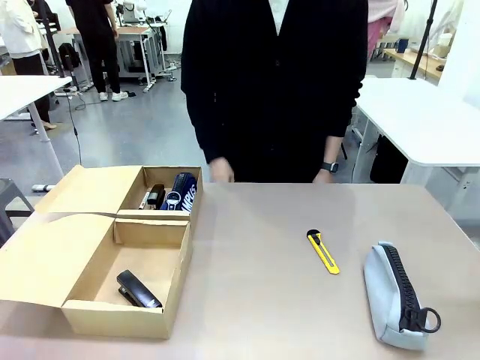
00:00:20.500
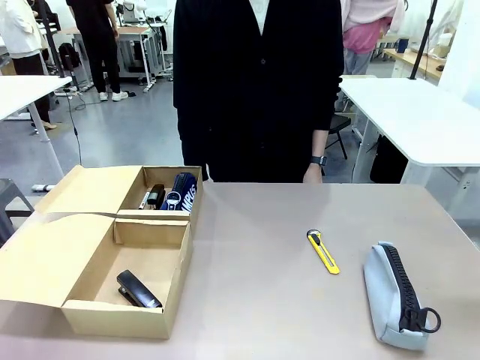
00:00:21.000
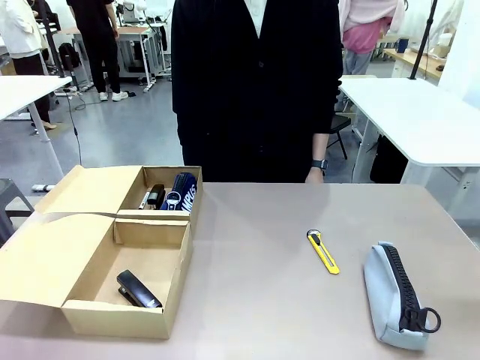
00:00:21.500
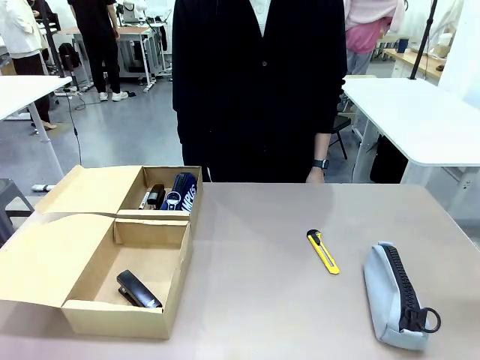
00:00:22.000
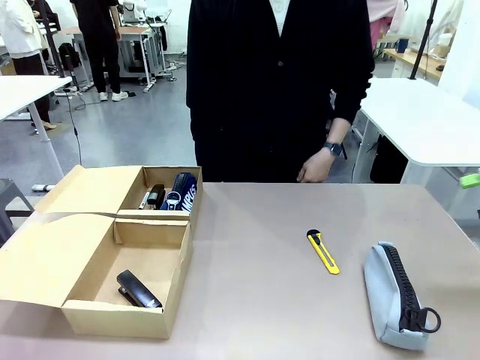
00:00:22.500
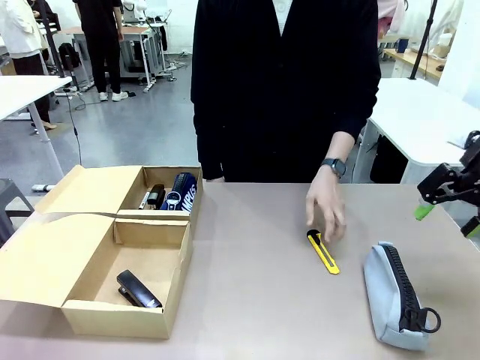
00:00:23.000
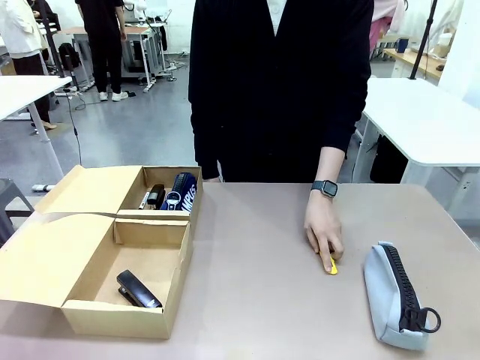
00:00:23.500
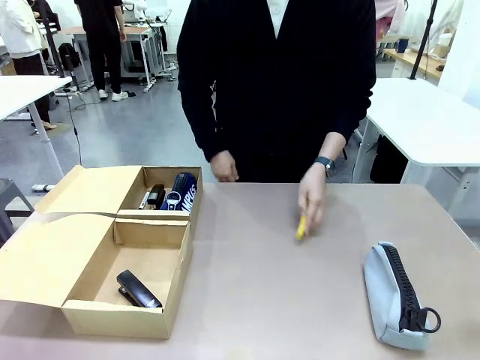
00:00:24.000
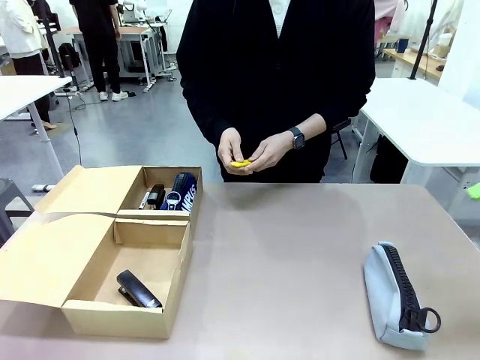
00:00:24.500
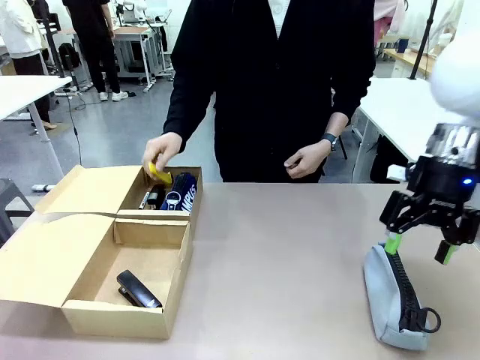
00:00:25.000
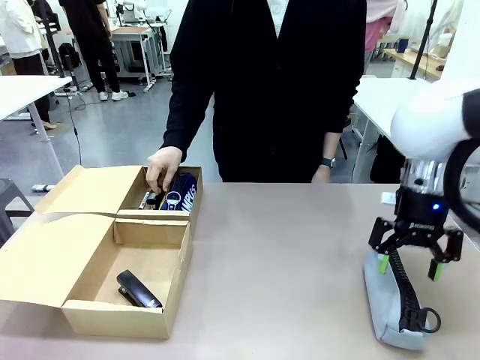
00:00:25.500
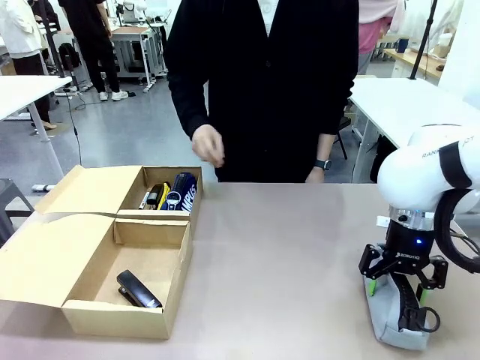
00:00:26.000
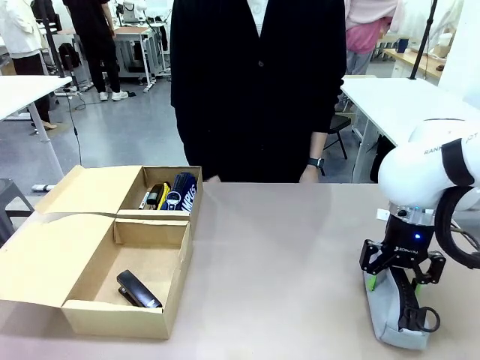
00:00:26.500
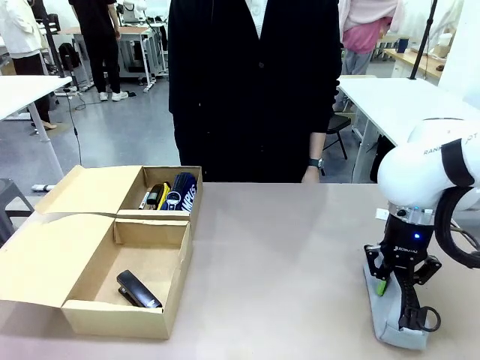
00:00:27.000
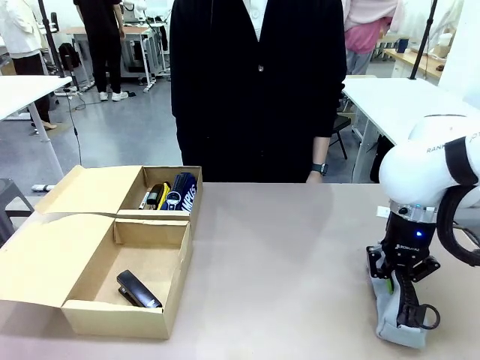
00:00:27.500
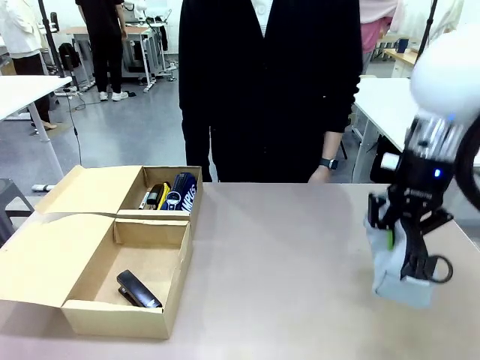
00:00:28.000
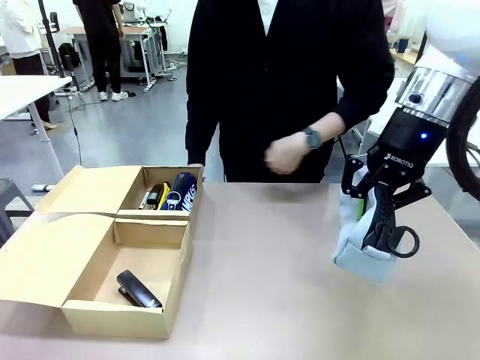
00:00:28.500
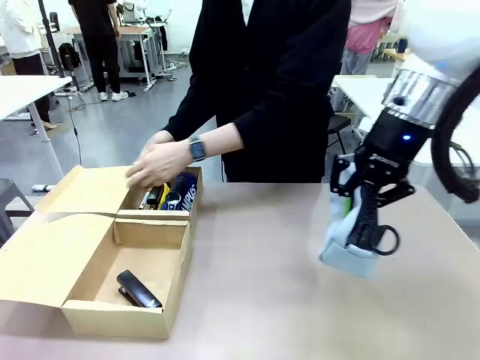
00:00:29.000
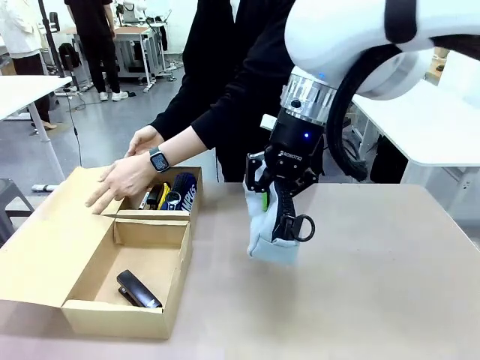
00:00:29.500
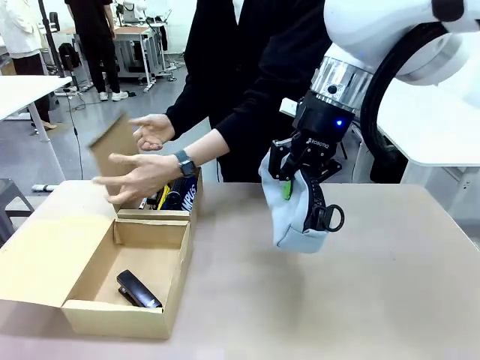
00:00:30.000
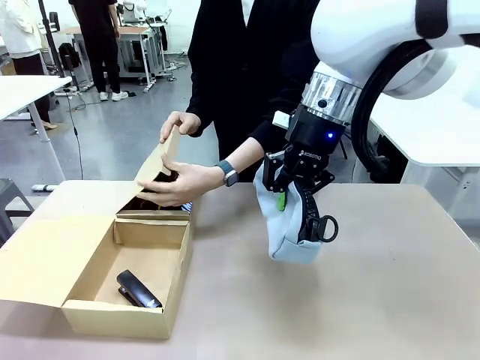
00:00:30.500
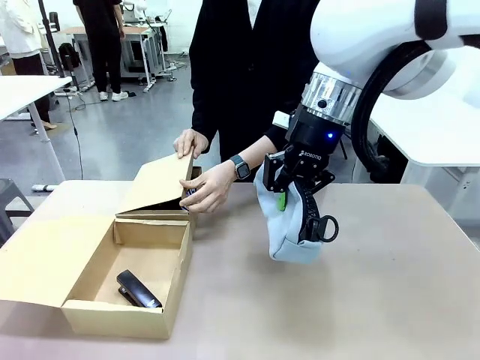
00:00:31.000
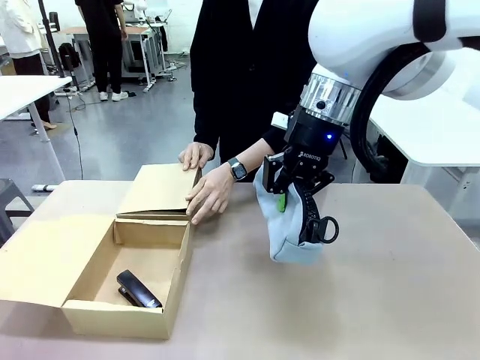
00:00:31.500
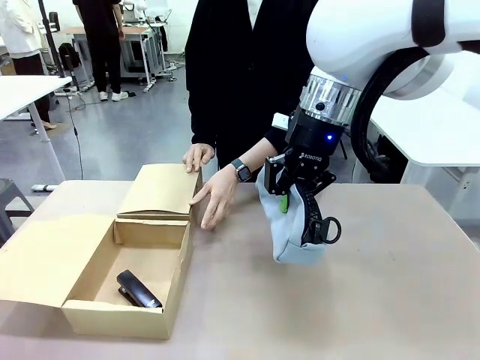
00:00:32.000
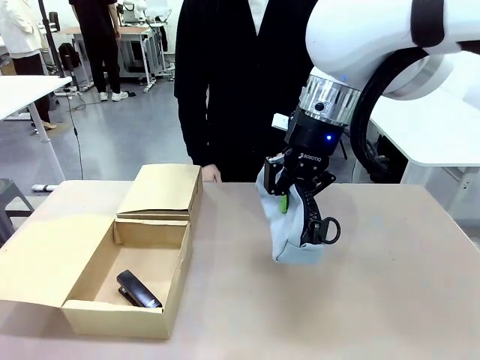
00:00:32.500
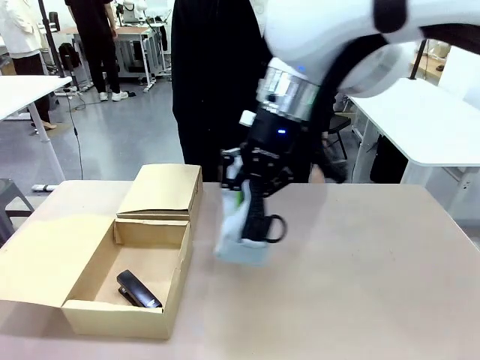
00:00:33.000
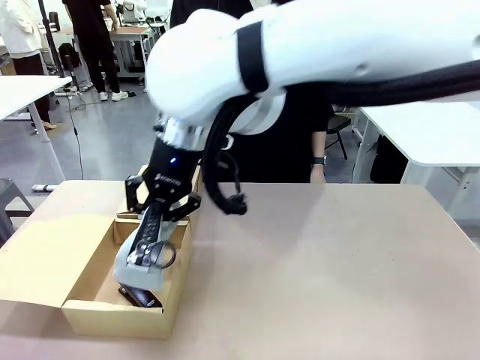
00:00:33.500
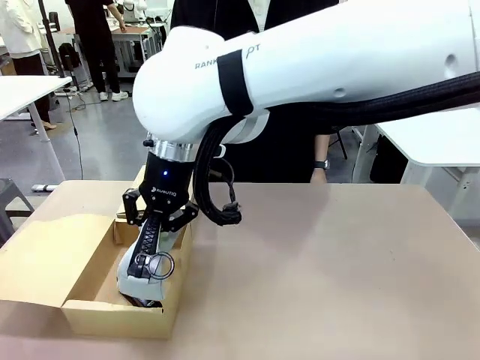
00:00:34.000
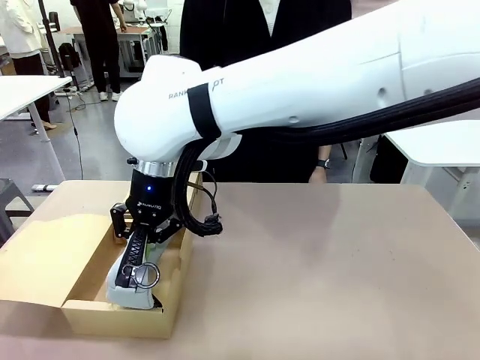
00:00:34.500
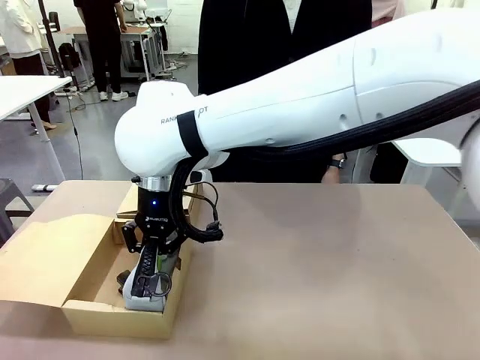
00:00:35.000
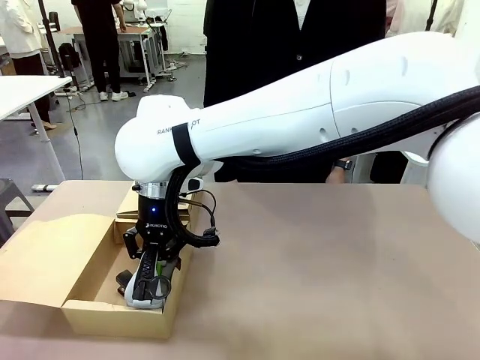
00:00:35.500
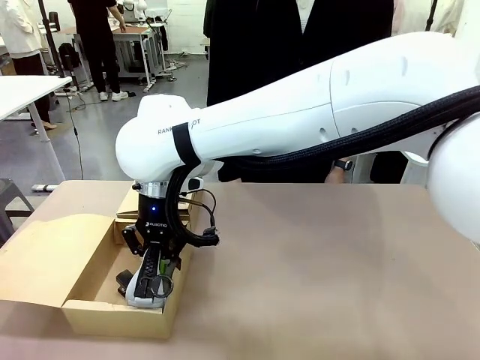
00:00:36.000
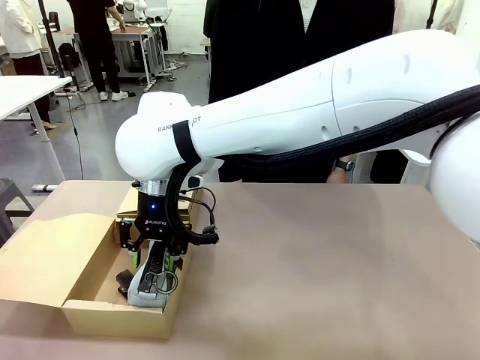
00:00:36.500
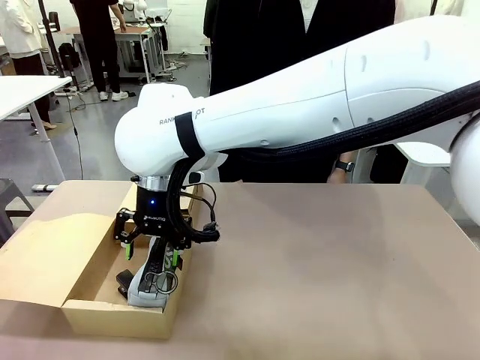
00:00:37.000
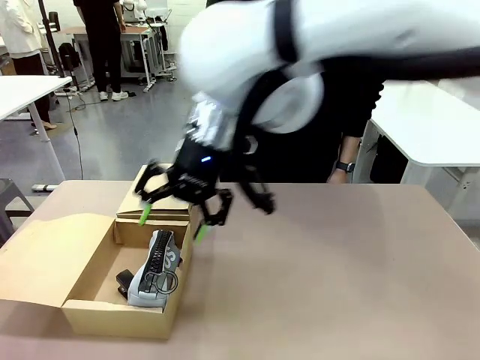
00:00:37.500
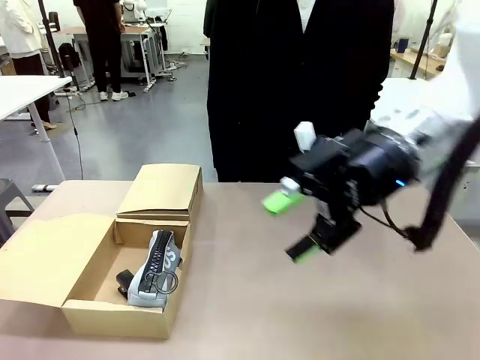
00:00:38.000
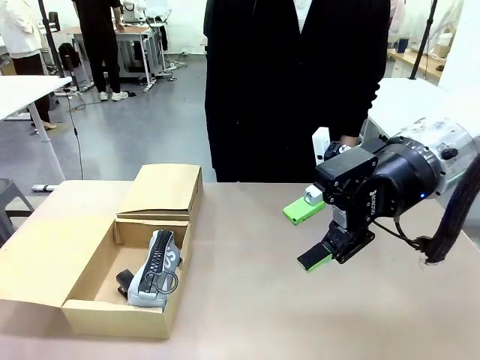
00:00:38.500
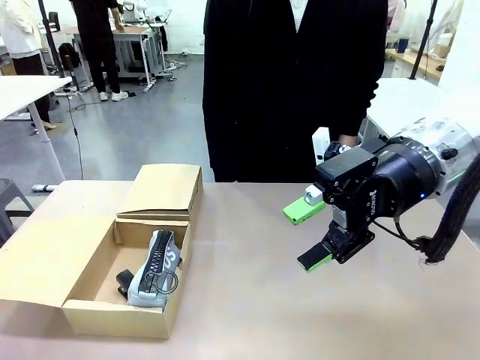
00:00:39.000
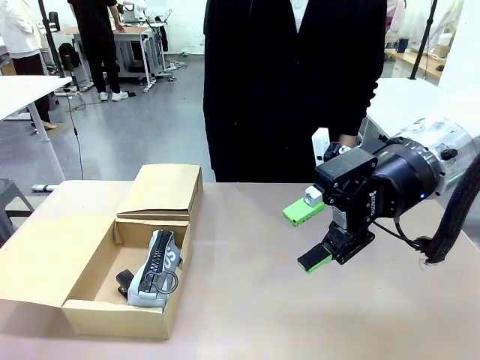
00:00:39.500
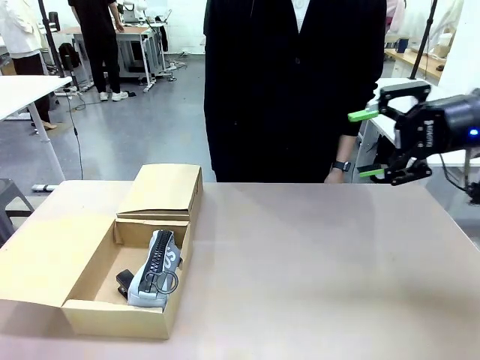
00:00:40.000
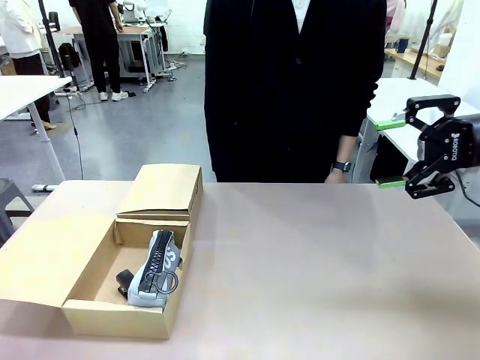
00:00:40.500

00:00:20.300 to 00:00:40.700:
Task: Place items inside the box.
Robot: Pick up a Pencil pouch or Stapler and place it inside the Mailer Box closest to the robot.
Person: Close the lid of the box facing the person.
